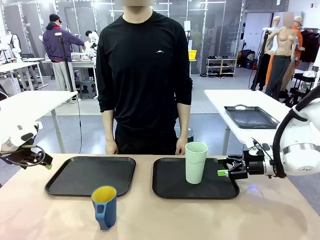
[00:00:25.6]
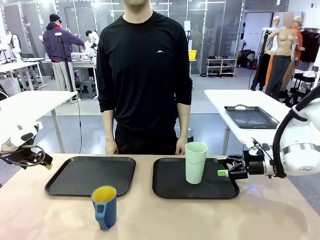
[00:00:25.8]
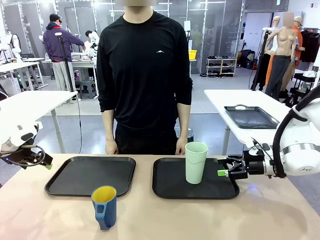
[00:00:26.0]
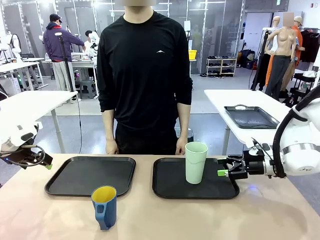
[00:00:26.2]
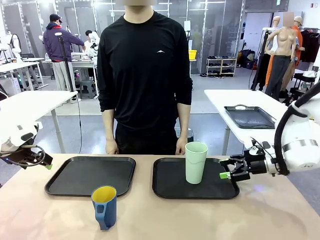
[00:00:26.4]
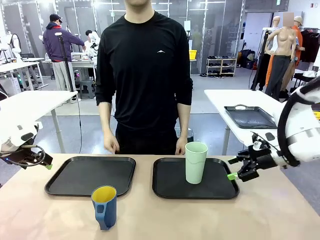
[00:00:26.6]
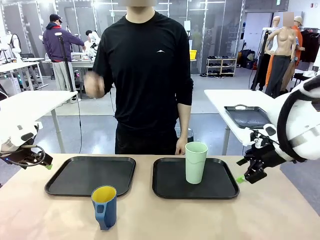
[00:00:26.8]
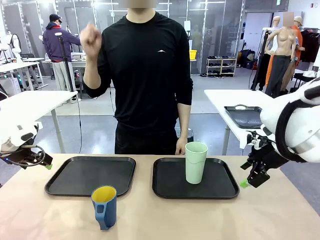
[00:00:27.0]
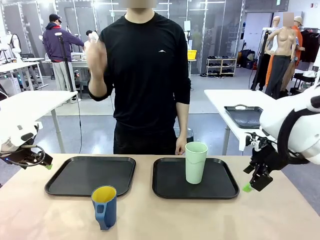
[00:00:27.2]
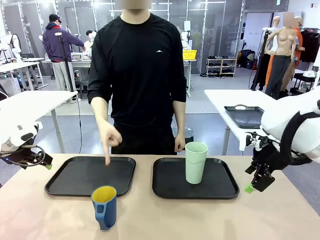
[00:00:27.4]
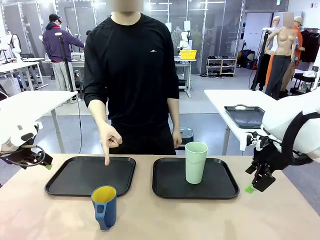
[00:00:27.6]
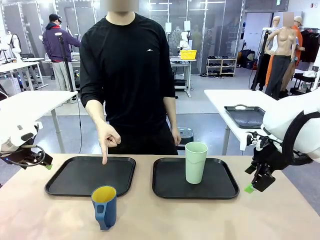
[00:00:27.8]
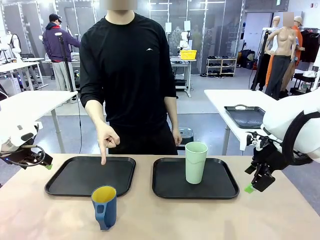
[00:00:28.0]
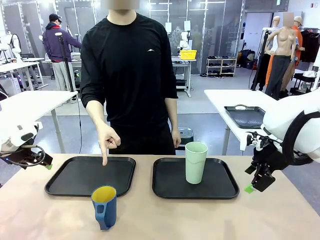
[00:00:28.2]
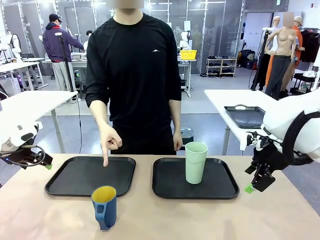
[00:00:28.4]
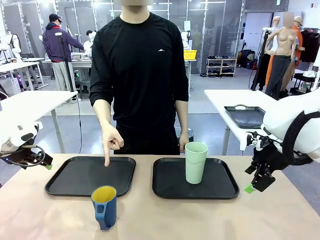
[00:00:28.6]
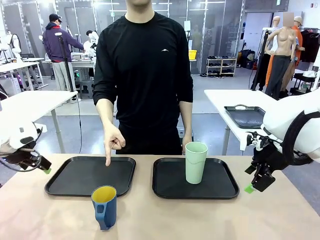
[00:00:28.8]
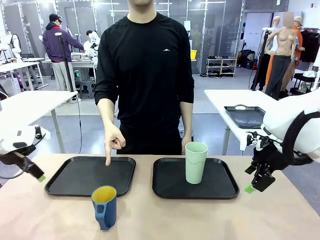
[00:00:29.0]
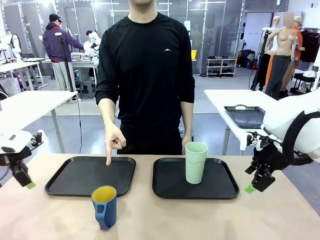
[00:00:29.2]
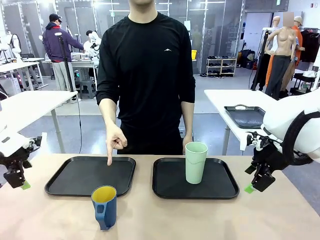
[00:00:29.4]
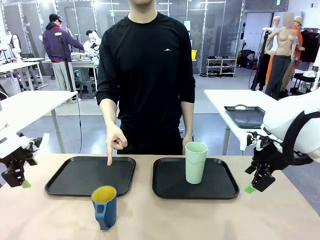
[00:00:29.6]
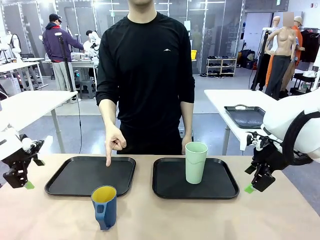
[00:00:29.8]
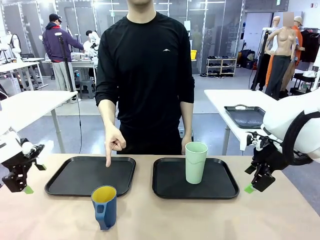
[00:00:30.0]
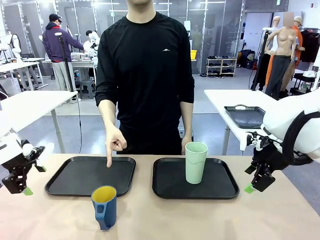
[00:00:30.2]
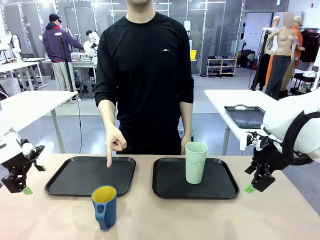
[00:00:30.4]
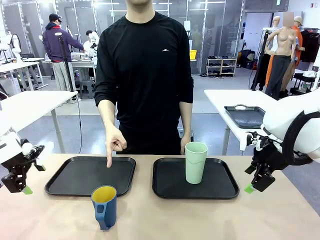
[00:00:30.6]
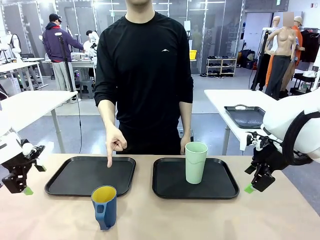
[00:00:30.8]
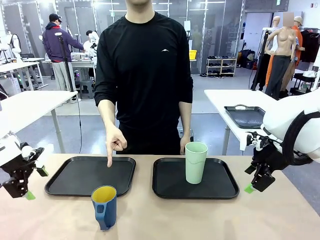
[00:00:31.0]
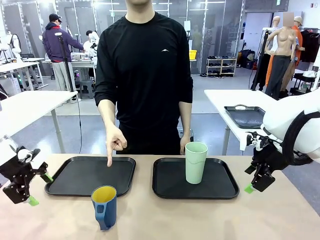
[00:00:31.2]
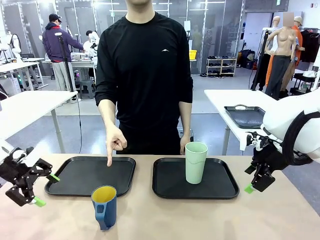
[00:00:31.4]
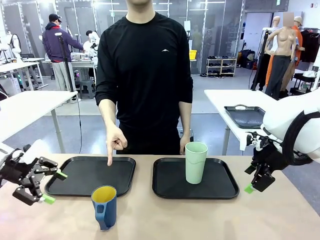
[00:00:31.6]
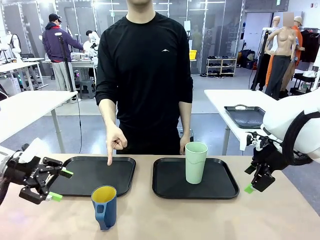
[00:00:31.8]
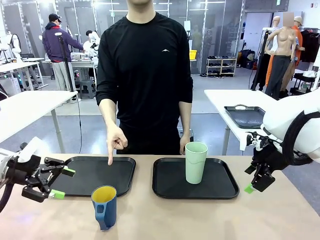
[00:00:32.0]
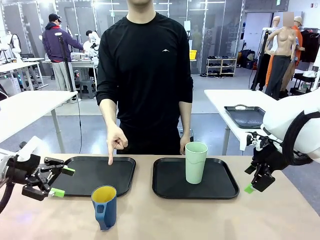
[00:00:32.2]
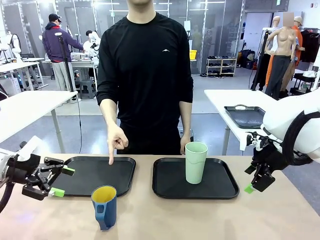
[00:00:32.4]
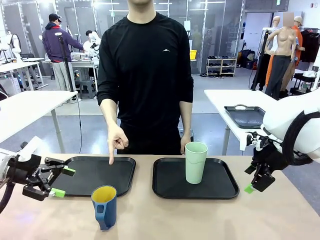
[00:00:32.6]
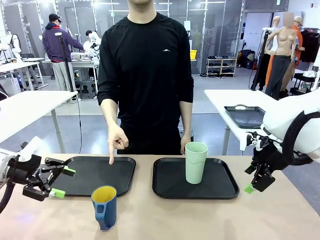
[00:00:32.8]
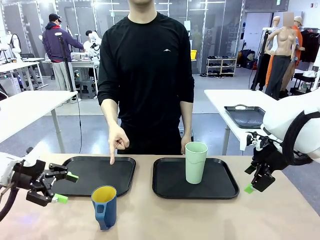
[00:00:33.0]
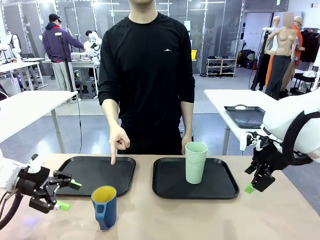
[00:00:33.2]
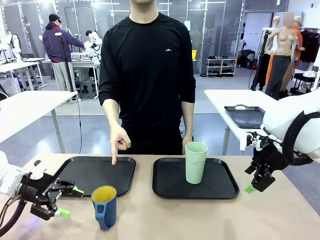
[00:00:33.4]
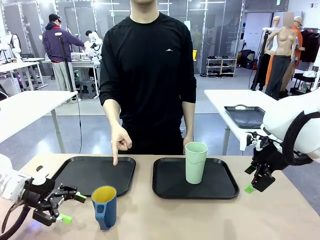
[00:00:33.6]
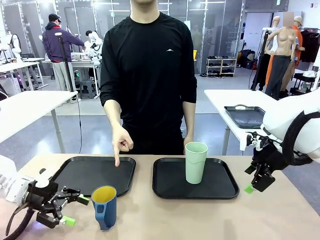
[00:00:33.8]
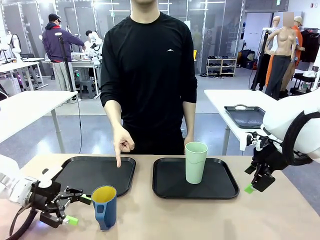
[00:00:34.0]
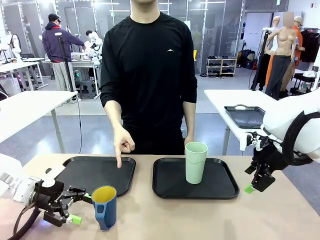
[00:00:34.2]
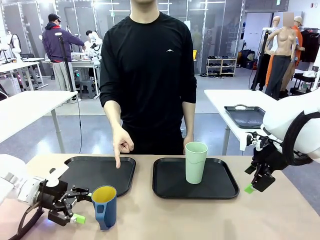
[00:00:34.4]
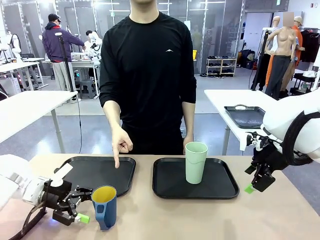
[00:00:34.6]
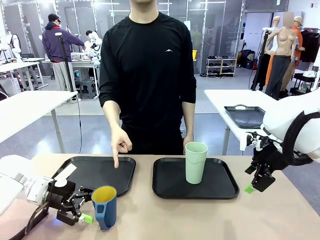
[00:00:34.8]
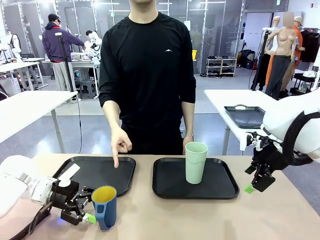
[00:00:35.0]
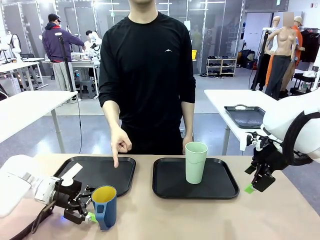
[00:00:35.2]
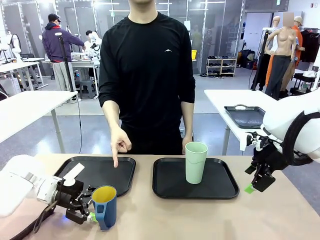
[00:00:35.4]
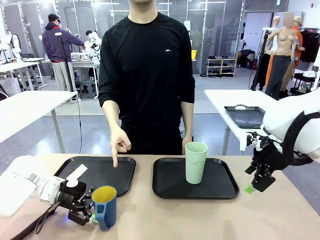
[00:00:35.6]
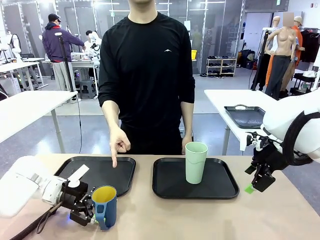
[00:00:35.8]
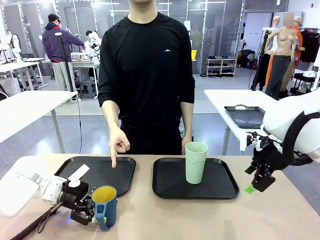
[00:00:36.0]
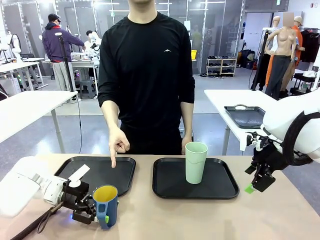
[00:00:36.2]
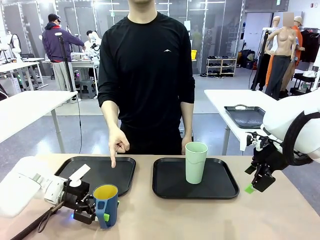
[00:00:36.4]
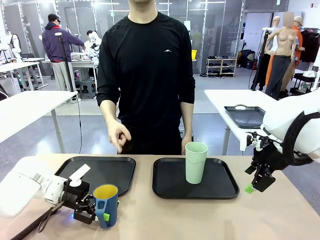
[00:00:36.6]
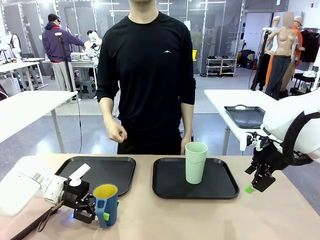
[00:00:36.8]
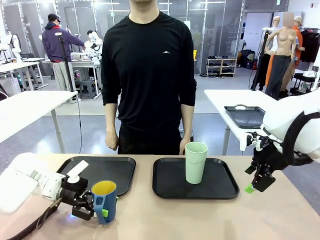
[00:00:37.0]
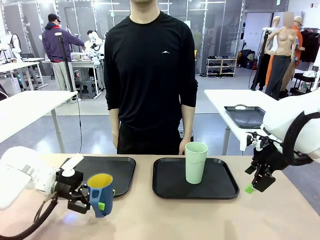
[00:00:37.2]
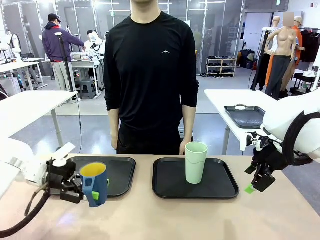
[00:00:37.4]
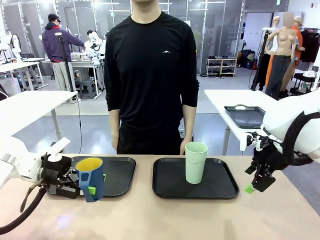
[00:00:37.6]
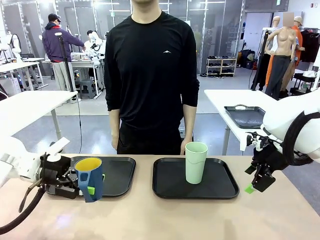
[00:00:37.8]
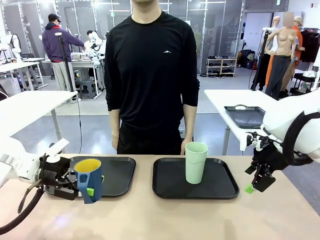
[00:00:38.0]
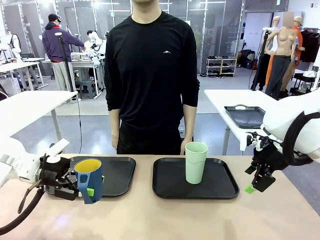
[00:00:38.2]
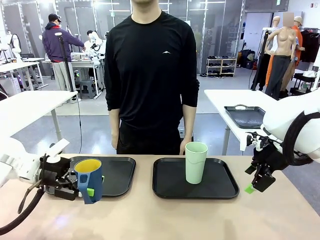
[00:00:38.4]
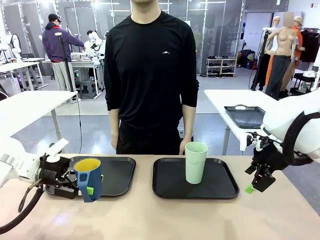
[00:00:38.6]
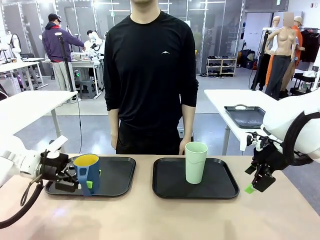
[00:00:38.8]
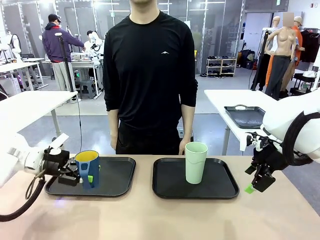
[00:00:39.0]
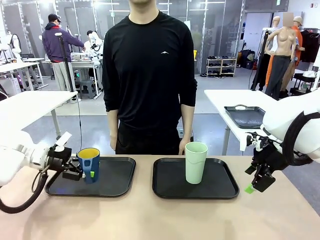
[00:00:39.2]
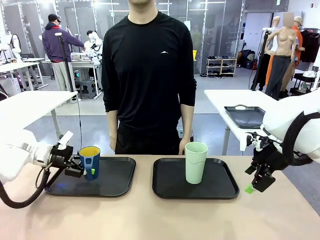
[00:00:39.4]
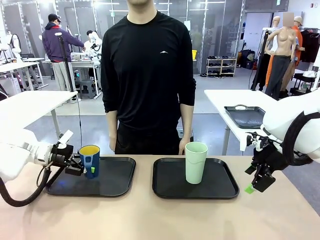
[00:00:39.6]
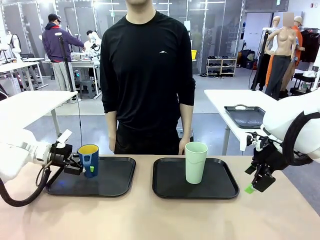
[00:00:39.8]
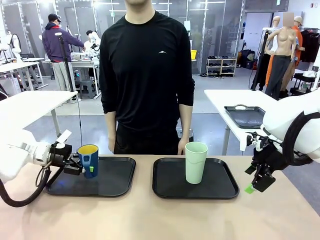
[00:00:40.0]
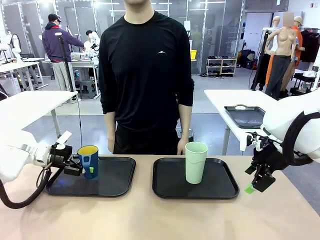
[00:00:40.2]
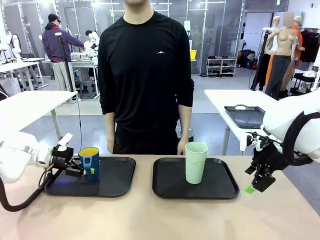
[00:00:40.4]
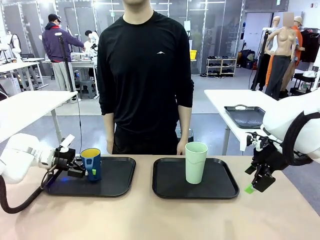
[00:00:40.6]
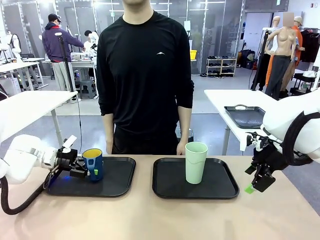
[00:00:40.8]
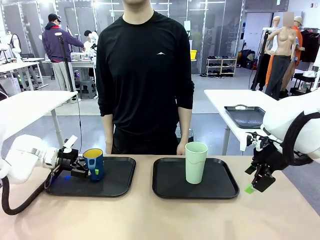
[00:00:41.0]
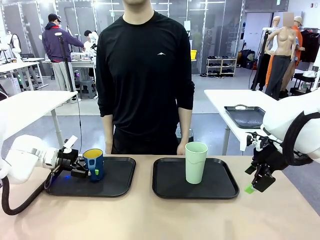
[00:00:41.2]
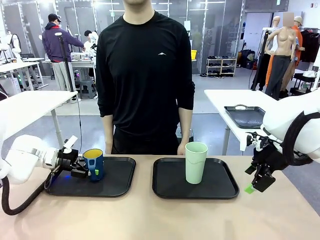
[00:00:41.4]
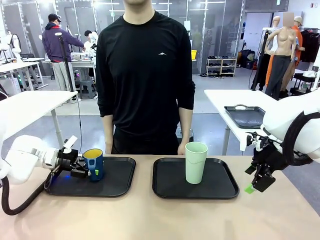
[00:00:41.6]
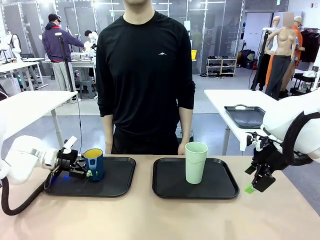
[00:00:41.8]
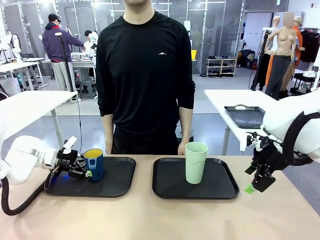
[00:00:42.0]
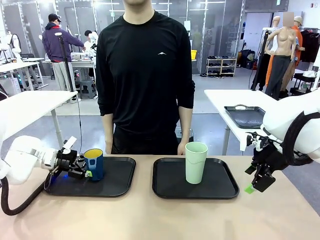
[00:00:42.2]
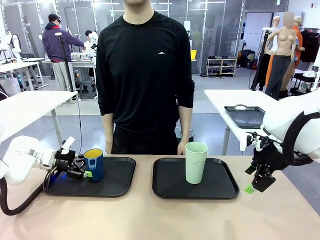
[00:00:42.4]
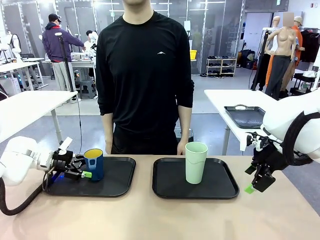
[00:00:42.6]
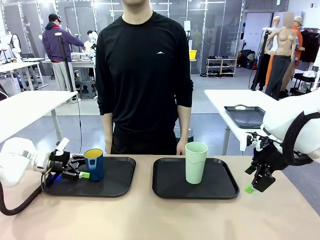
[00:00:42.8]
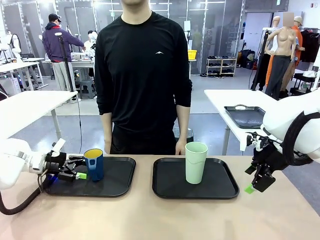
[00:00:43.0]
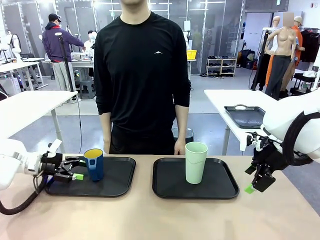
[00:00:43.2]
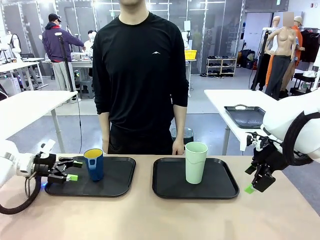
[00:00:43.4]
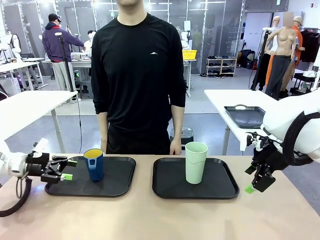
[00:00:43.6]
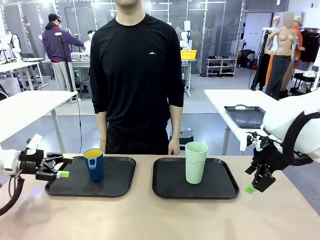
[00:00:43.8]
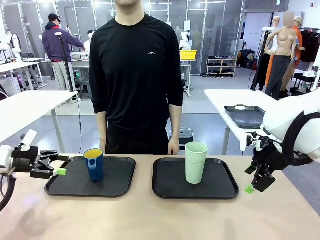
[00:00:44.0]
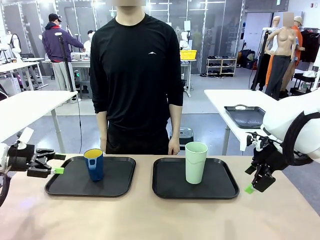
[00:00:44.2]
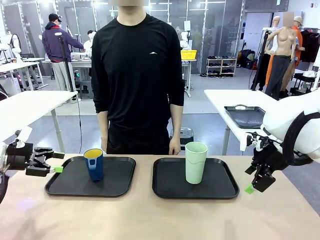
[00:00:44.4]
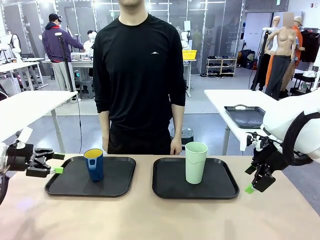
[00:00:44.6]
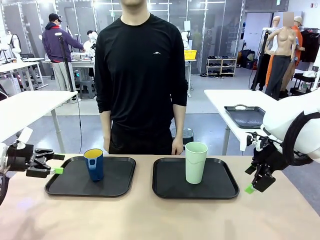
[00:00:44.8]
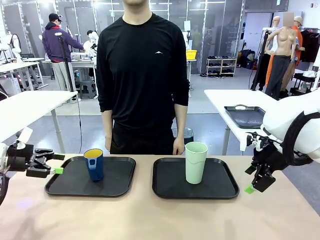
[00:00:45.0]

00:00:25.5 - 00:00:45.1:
Task: Sort and store the cups by type.
Robot: Pick up the Handle plastic cup and place it into the empty Flat Tray.
Person: Points to the cup with a handle.
